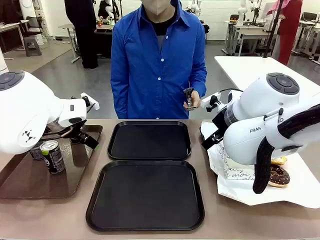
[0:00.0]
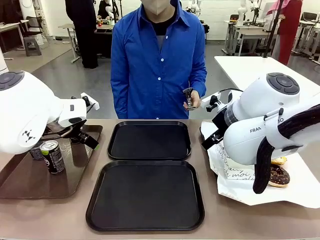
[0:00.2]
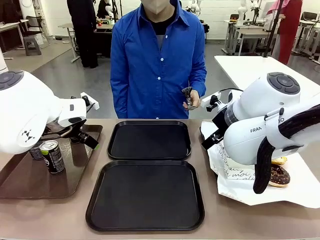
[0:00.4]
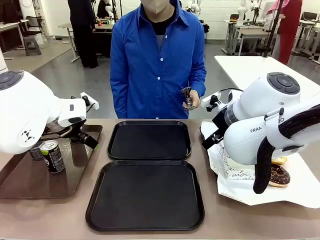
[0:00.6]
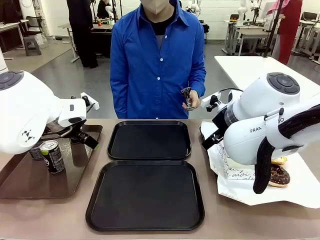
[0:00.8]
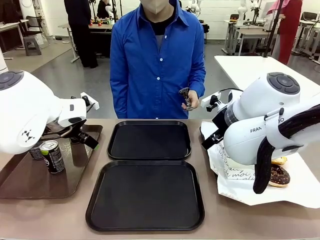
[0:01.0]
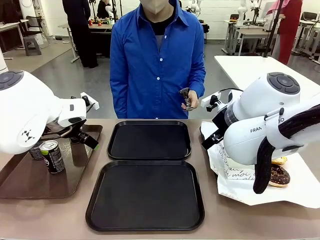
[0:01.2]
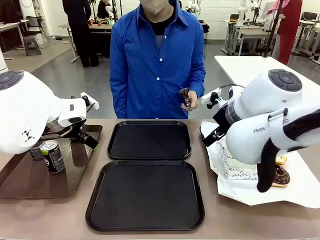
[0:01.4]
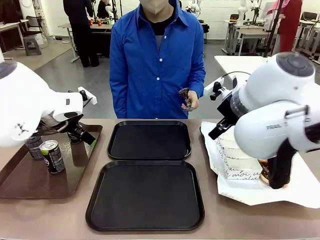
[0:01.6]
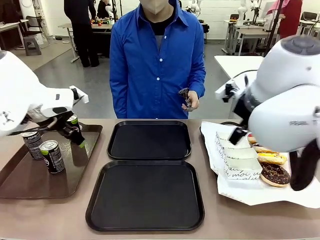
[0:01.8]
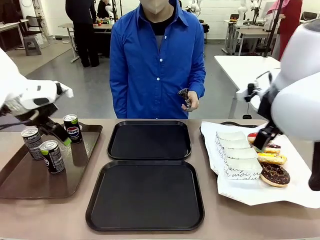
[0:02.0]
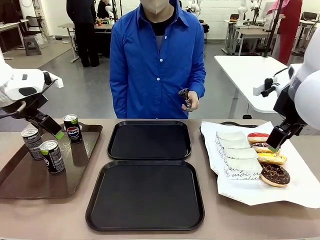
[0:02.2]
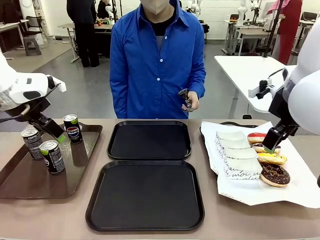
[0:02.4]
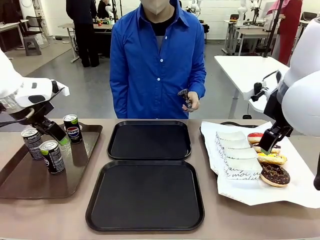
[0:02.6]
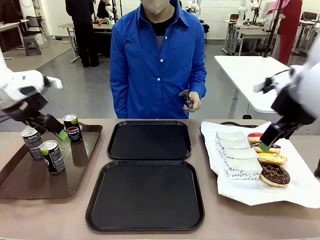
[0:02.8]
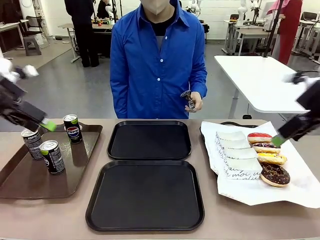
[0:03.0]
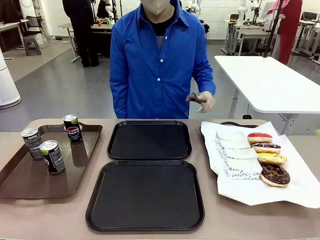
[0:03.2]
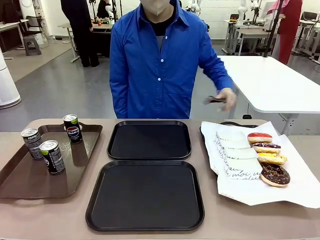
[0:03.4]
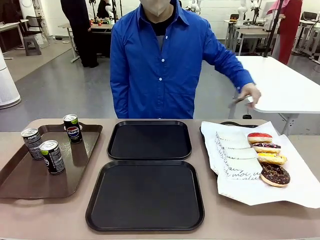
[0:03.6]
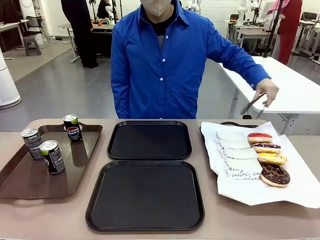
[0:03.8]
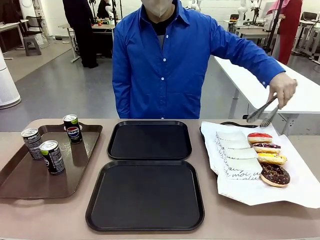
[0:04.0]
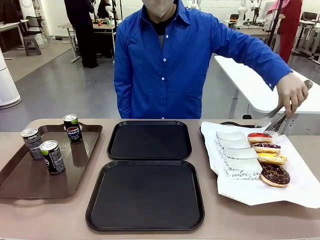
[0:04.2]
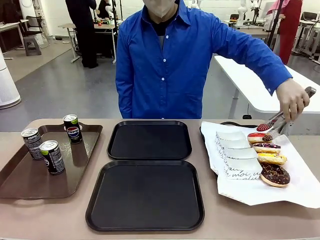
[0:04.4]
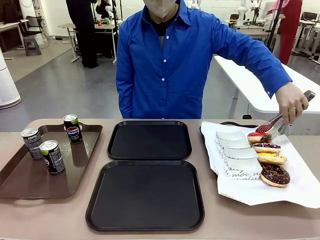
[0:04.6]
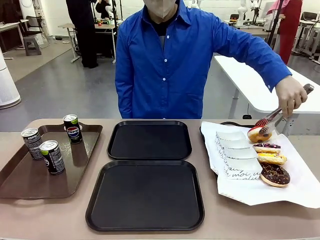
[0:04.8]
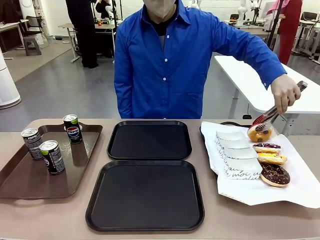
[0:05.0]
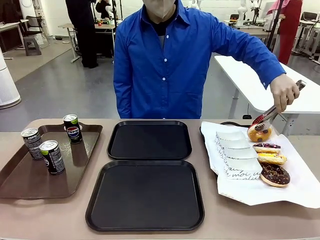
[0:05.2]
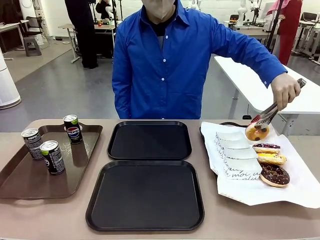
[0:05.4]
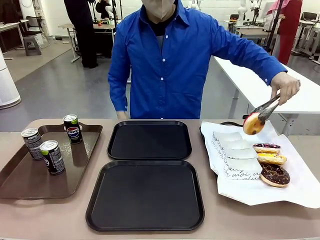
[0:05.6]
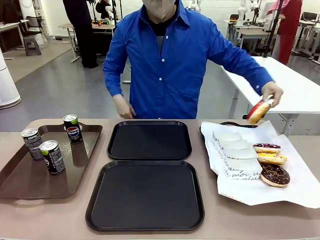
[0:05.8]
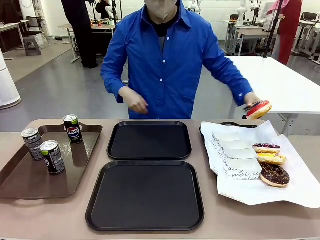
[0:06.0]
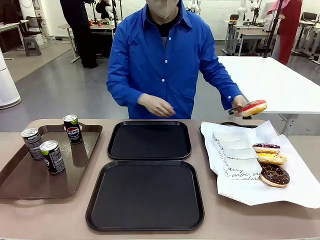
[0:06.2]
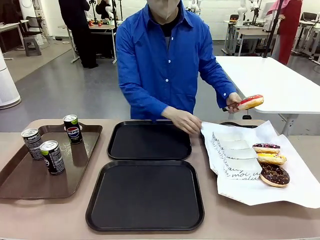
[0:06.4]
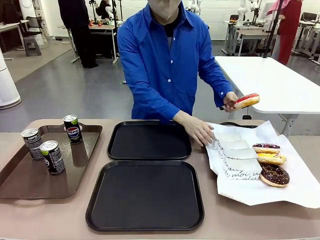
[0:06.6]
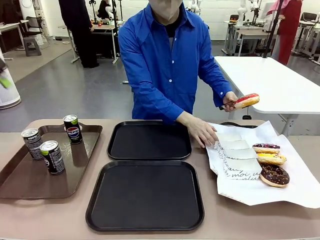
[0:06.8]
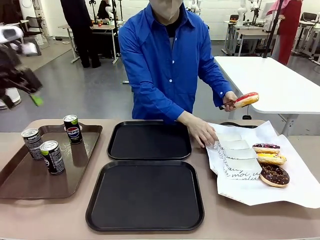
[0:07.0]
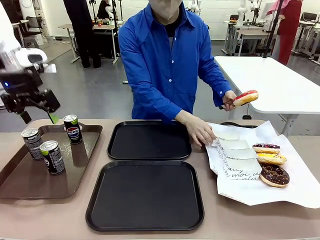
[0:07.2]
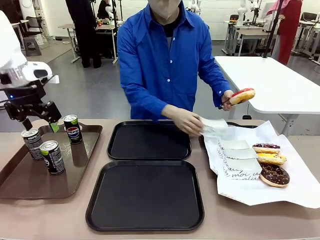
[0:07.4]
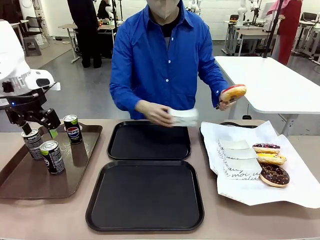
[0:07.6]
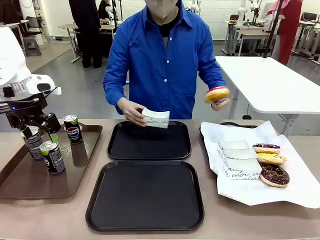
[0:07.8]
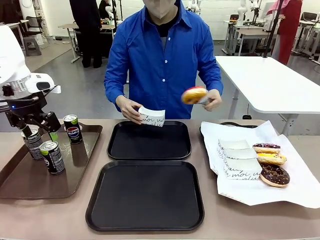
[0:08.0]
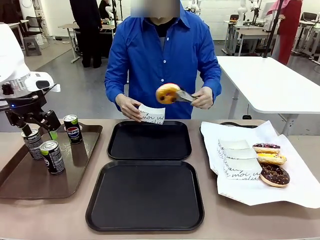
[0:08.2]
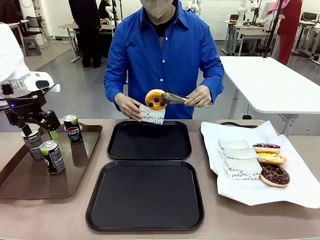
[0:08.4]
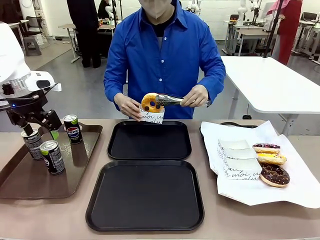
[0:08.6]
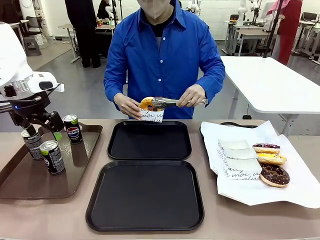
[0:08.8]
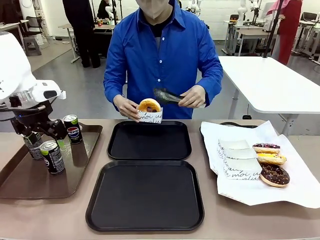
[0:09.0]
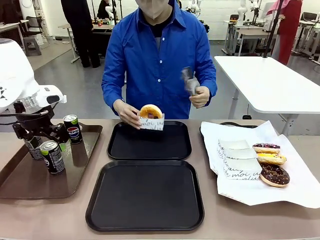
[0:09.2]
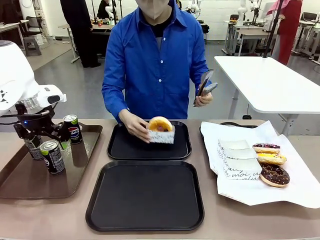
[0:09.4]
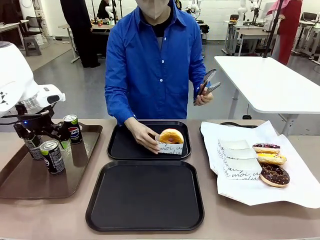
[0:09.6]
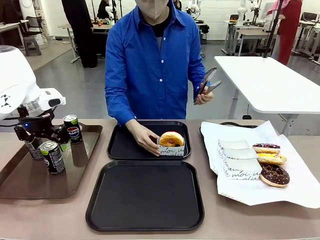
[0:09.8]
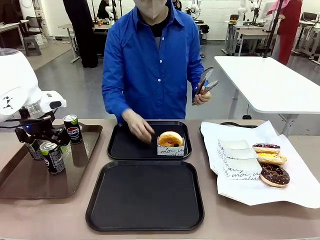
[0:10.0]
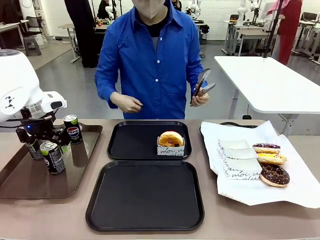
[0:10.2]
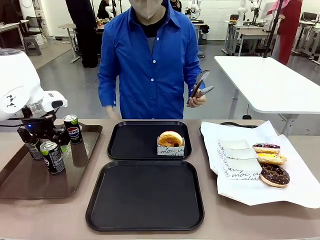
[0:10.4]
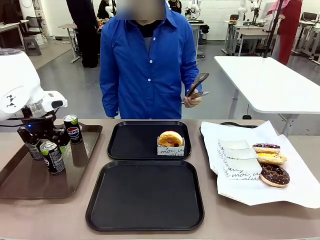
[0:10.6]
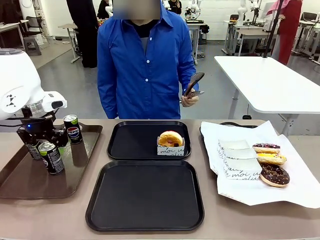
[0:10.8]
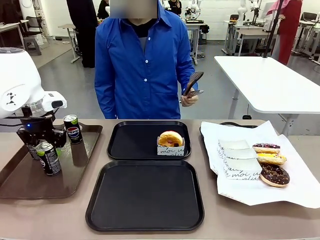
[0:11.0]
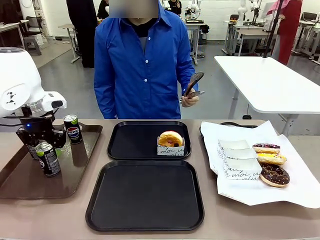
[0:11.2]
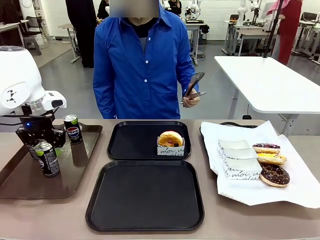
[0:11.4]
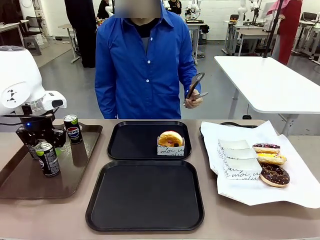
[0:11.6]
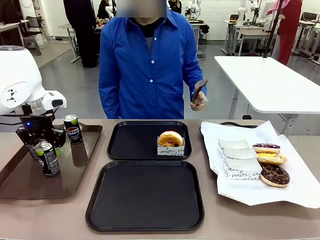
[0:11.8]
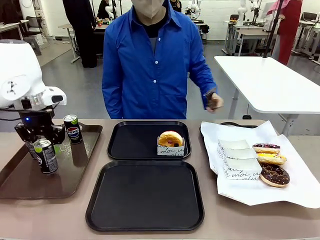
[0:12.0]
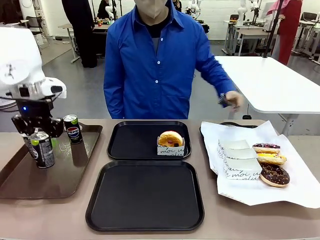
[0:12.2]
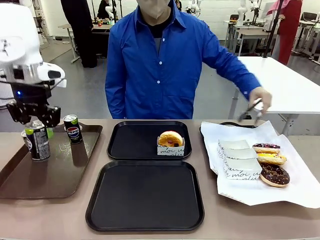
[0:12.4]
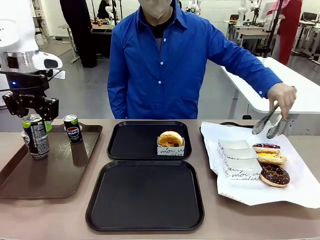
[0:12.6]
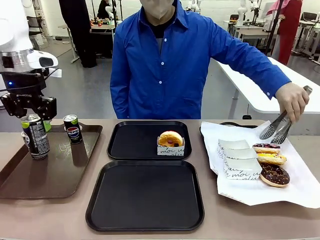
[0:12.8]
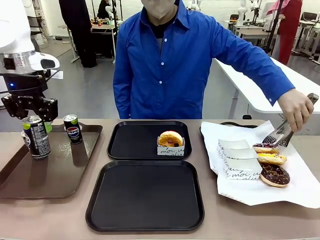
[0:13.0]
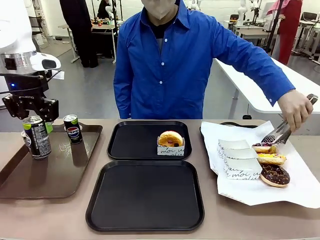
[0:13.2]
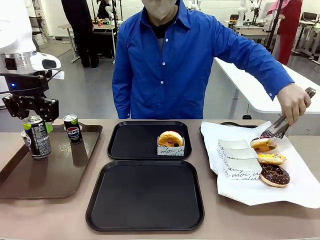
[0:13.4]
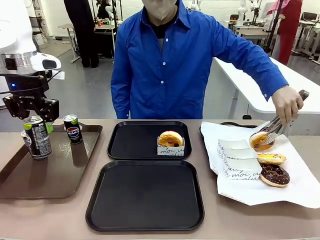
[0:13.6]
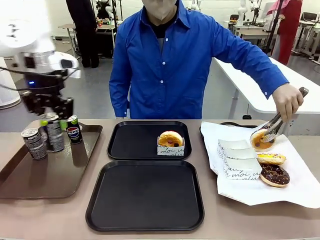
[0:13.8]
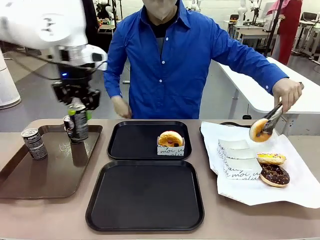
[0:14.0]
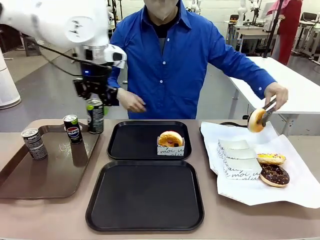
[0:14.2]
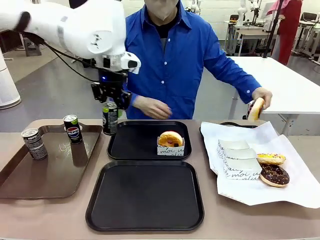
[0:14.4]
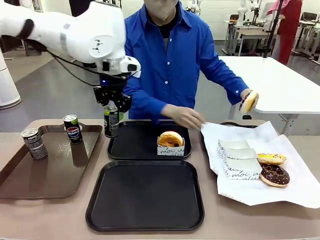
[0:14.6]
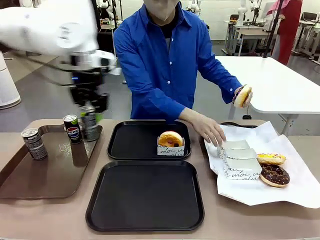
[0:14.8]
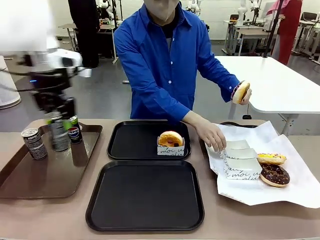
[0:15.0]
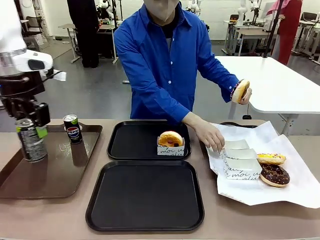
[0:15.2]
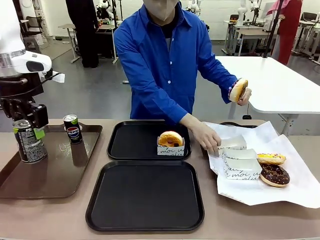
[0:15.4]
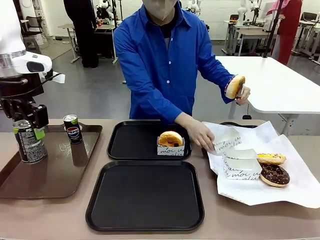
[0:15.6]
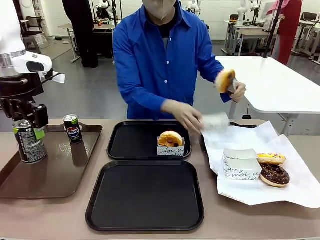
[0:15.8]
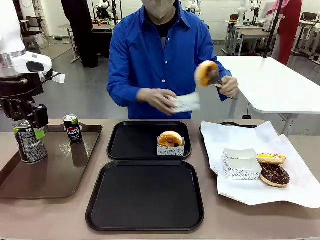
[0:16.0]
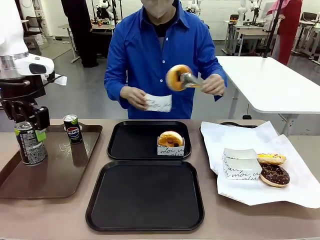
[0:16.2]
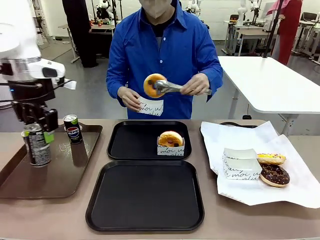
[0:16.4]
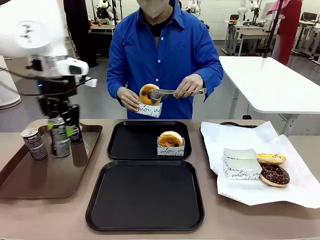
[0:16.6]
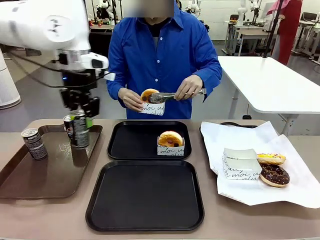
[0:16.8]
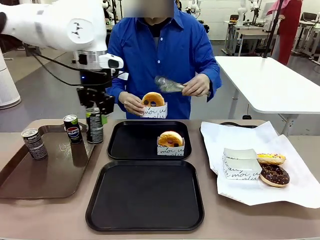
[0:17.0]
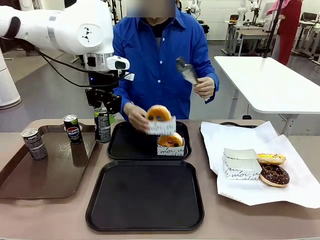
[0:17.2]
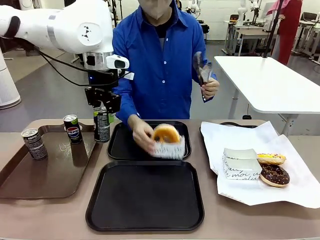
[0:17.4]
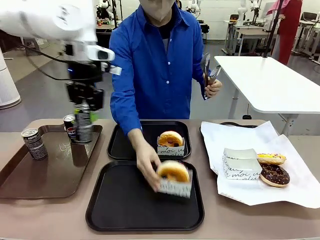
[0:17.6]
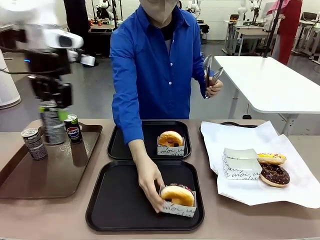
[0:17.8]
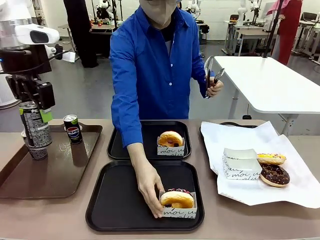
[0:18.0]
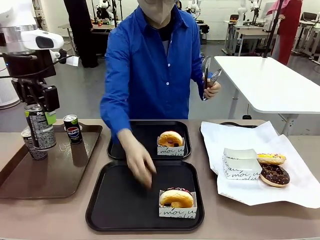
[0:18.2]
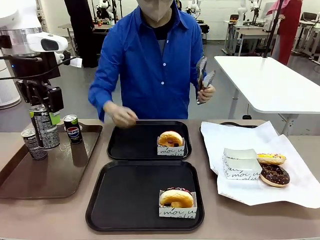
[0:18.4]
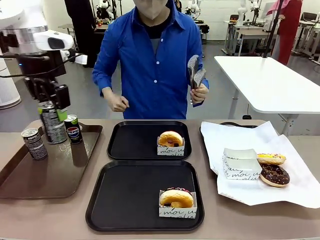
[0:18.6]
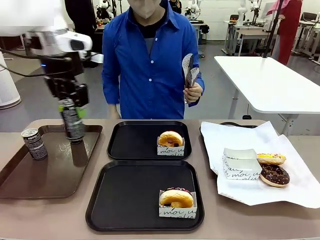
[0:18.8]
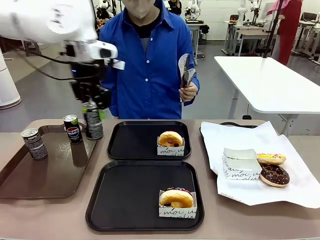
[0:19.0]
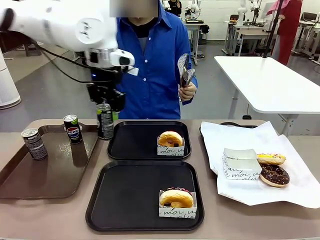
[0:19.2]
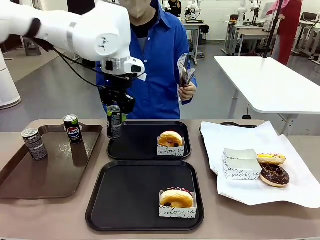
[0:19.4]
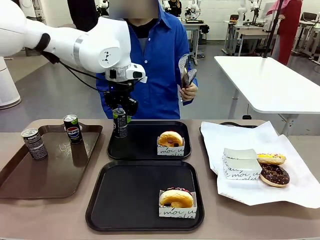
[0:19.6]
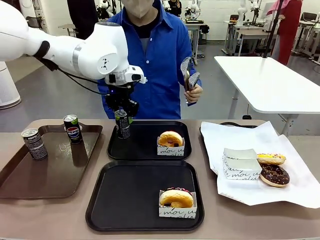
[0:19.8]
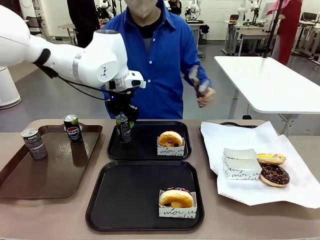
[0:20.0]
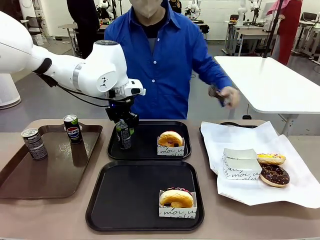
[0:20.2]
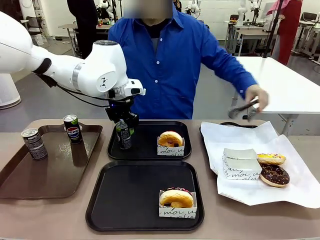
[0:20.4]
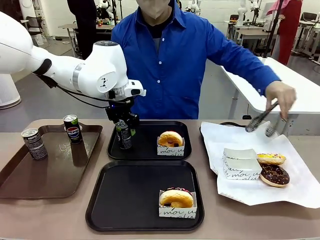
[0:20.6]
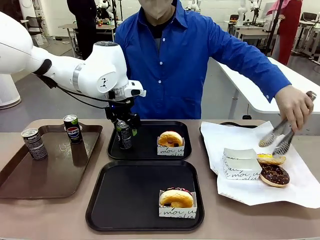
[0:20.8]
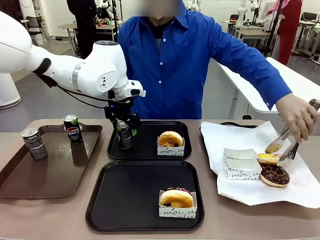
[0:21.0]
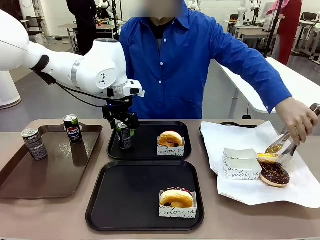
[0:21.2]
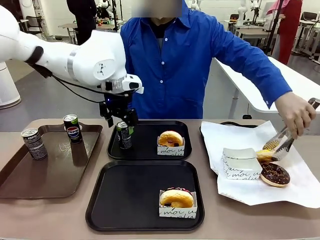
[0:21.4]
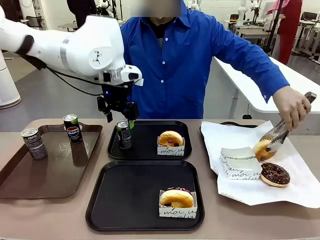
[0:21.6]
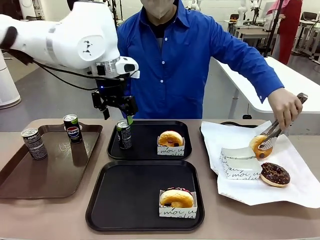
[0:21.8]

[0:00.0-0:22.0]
Task: Set up donuts and drinks on trays.
Robot: Pick up one Pepsi coke and place it on the Flat Tray.
Person: Pick up one donut with tongs, place it in the donut tray, and then place the donut tray on the flat tray.
